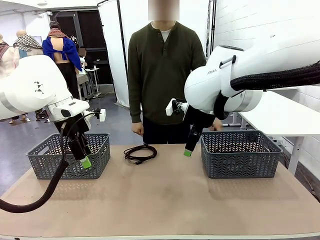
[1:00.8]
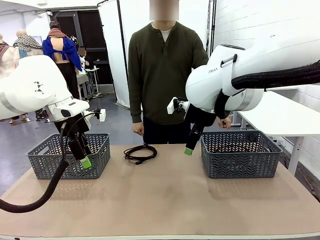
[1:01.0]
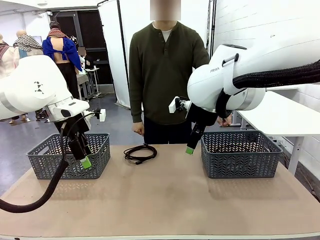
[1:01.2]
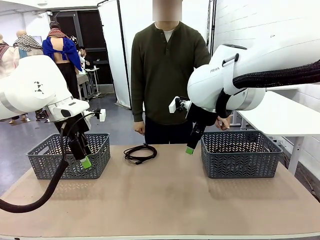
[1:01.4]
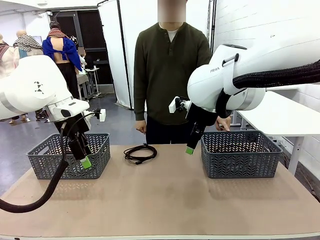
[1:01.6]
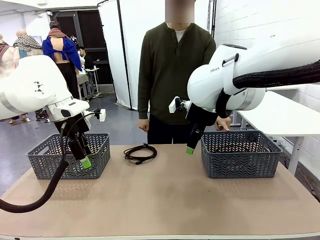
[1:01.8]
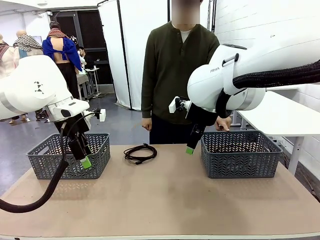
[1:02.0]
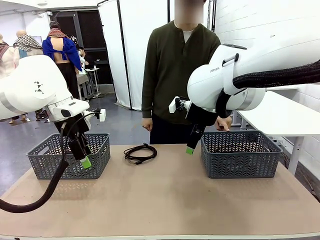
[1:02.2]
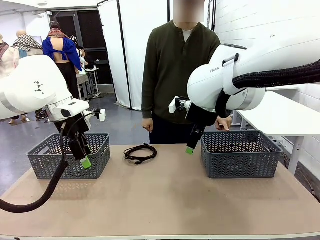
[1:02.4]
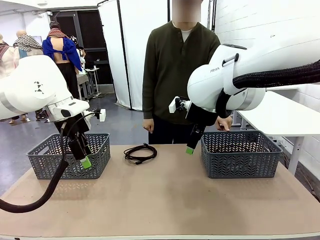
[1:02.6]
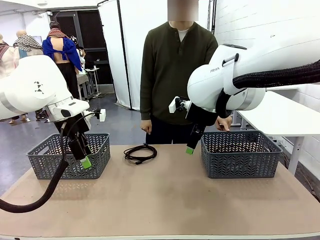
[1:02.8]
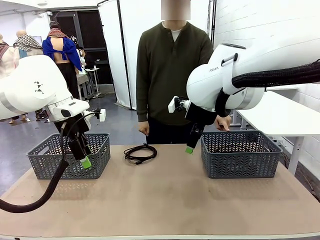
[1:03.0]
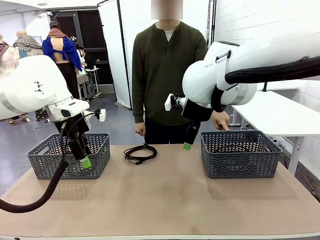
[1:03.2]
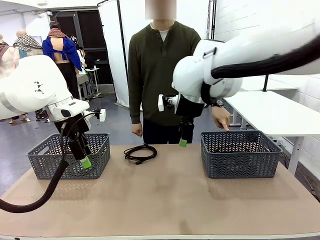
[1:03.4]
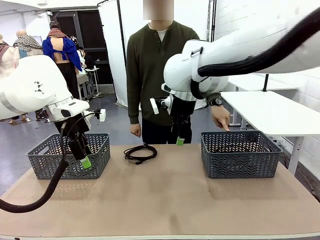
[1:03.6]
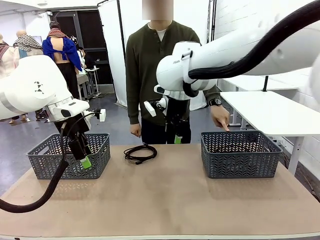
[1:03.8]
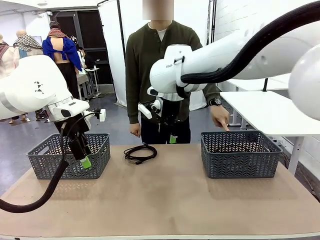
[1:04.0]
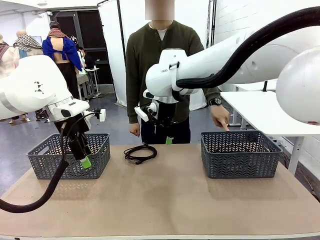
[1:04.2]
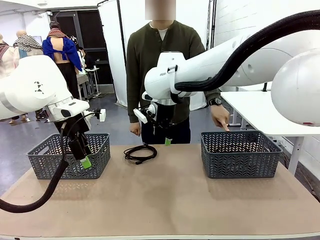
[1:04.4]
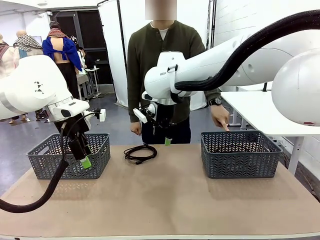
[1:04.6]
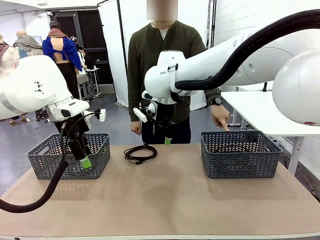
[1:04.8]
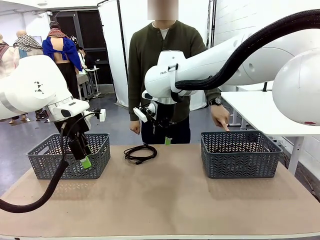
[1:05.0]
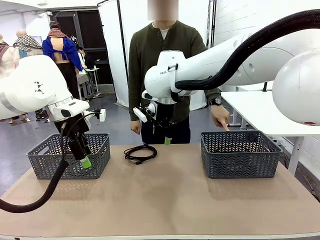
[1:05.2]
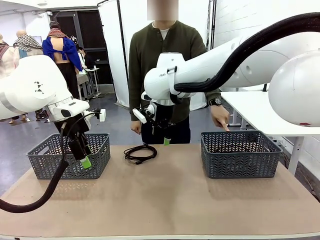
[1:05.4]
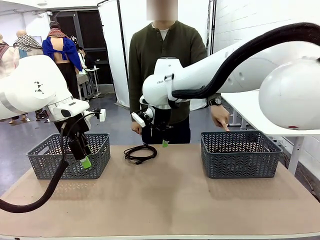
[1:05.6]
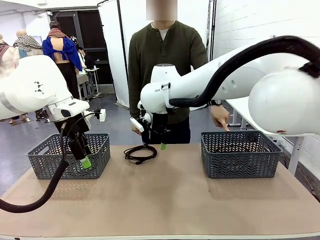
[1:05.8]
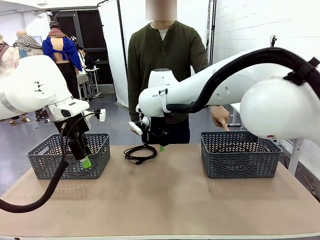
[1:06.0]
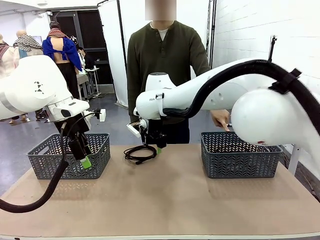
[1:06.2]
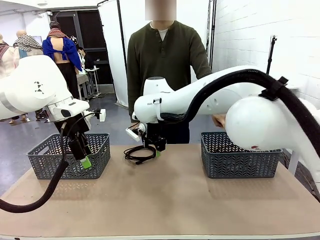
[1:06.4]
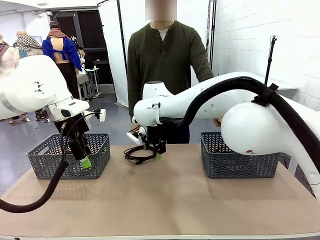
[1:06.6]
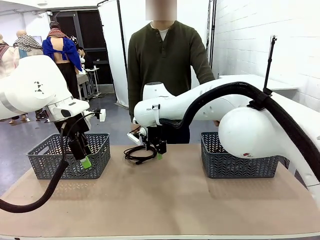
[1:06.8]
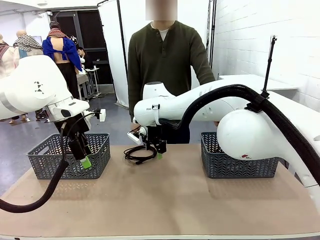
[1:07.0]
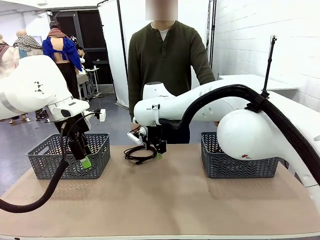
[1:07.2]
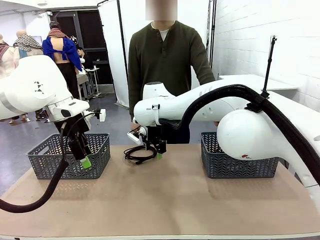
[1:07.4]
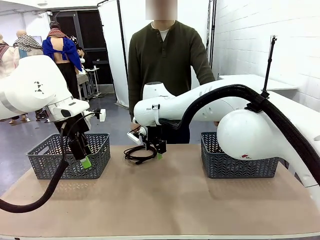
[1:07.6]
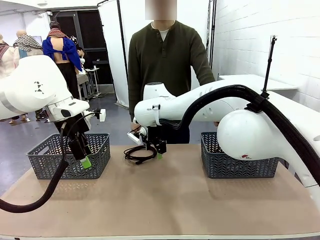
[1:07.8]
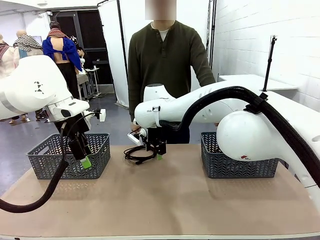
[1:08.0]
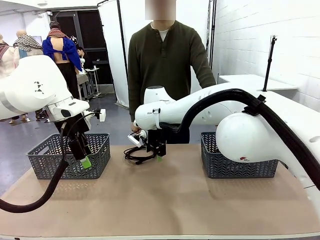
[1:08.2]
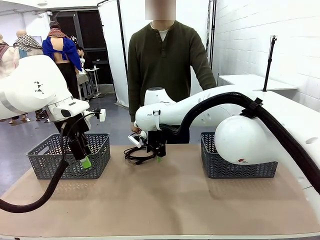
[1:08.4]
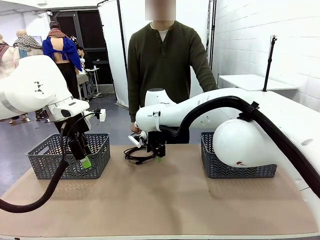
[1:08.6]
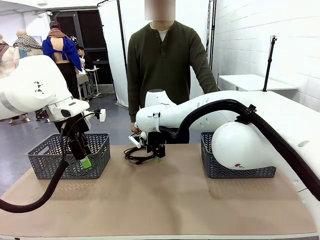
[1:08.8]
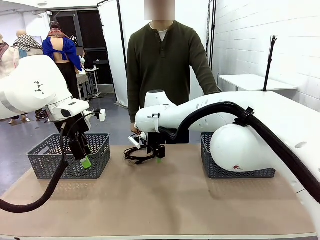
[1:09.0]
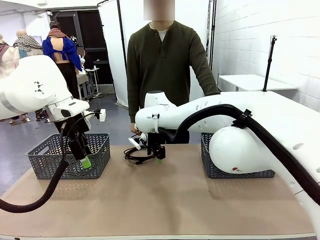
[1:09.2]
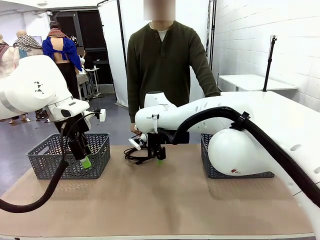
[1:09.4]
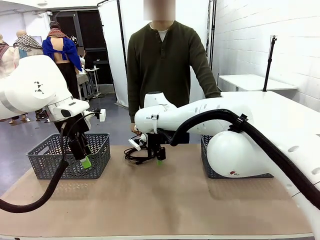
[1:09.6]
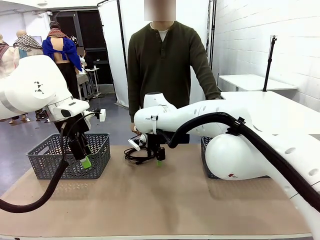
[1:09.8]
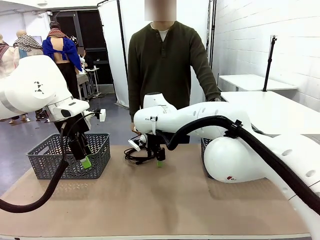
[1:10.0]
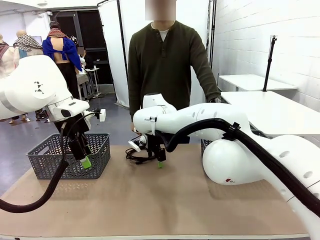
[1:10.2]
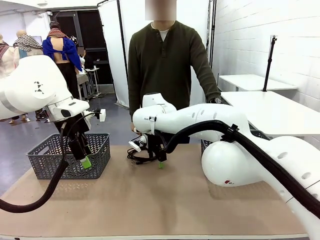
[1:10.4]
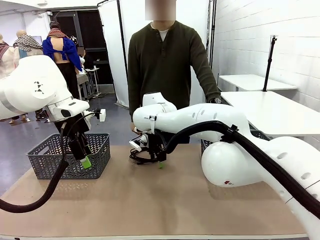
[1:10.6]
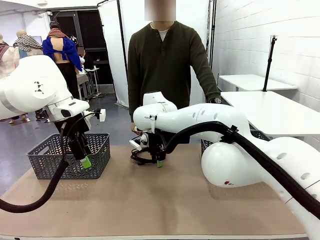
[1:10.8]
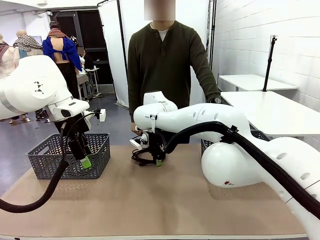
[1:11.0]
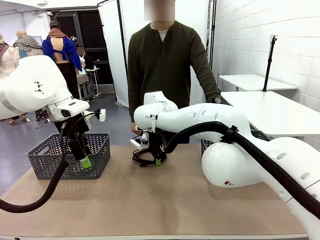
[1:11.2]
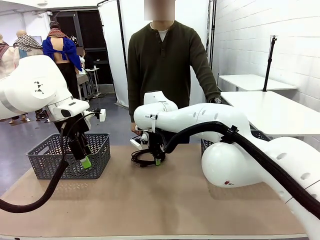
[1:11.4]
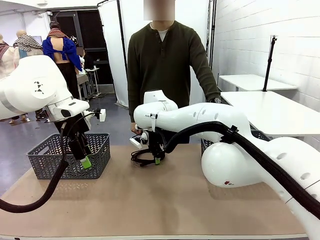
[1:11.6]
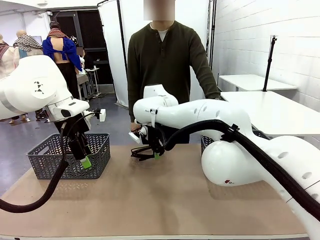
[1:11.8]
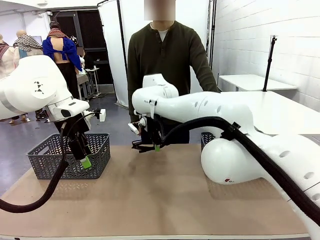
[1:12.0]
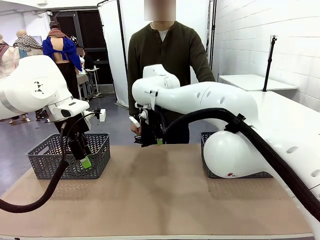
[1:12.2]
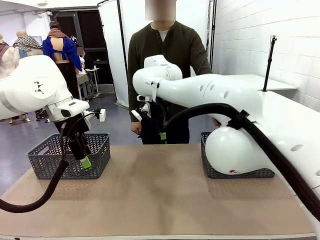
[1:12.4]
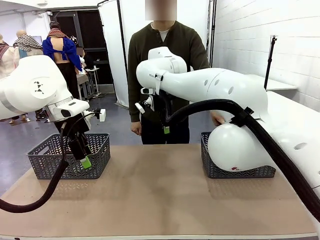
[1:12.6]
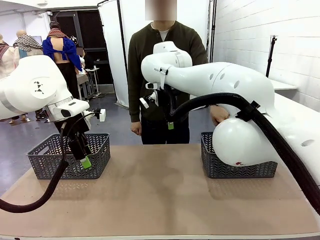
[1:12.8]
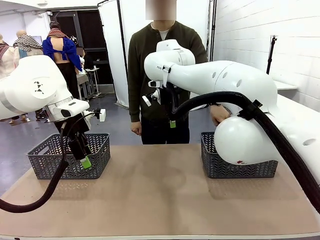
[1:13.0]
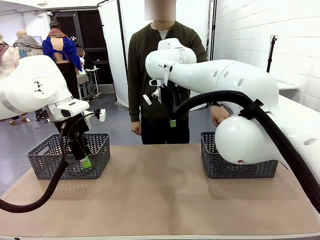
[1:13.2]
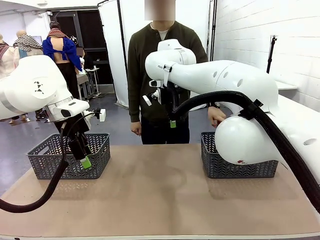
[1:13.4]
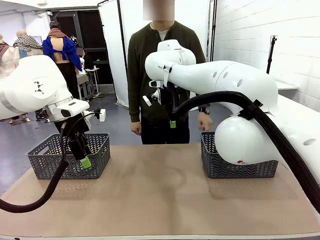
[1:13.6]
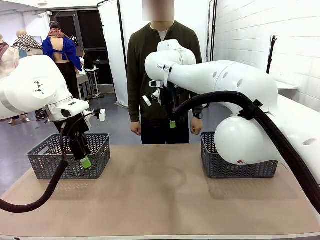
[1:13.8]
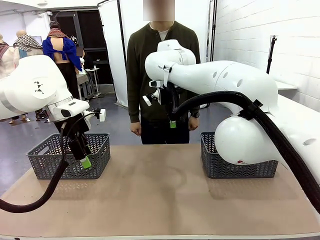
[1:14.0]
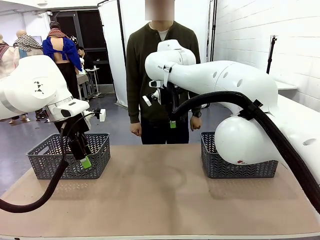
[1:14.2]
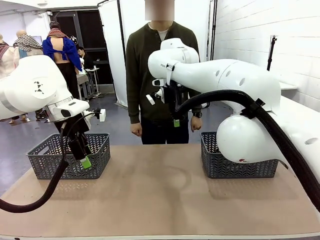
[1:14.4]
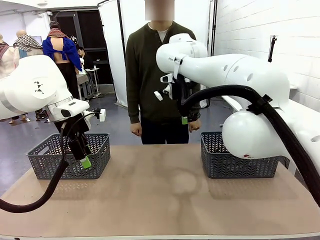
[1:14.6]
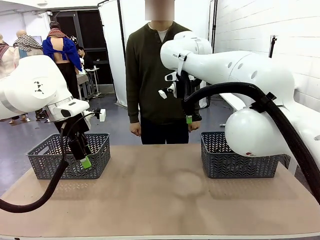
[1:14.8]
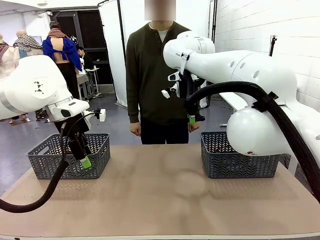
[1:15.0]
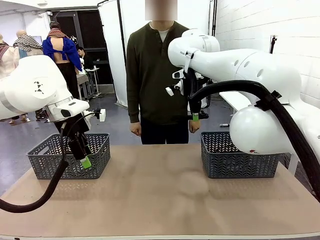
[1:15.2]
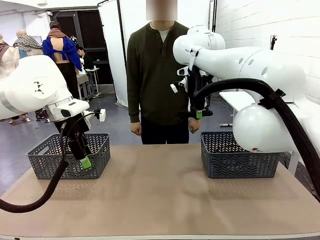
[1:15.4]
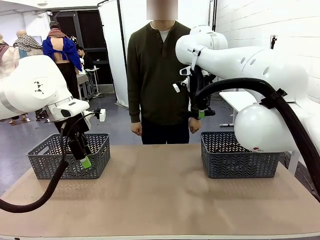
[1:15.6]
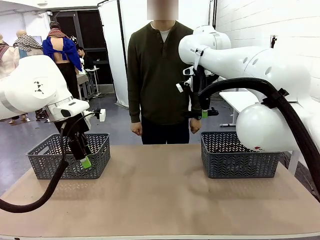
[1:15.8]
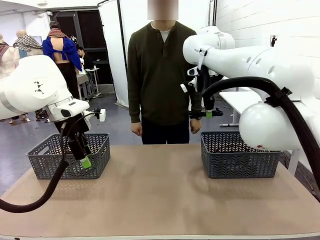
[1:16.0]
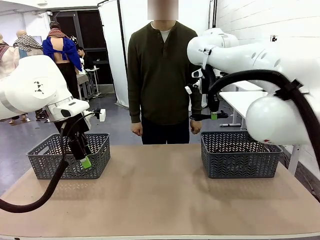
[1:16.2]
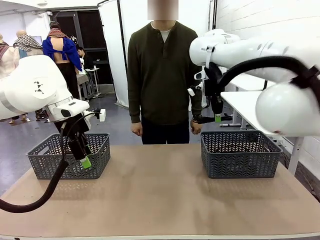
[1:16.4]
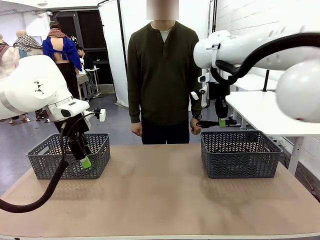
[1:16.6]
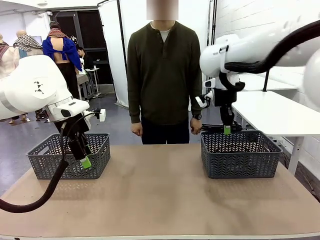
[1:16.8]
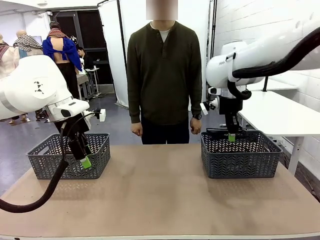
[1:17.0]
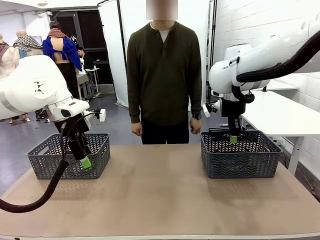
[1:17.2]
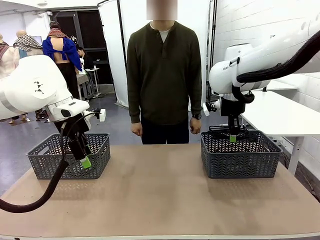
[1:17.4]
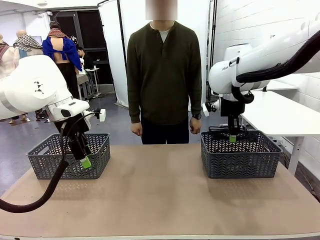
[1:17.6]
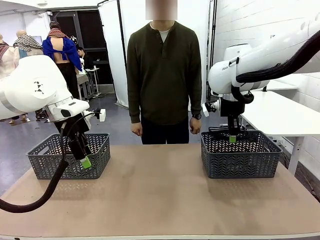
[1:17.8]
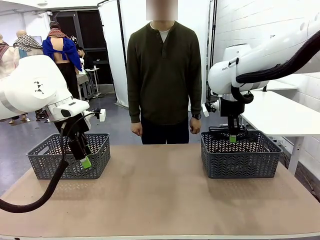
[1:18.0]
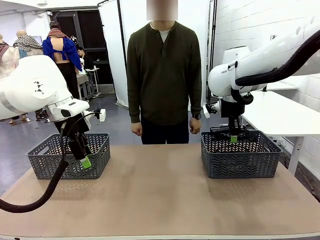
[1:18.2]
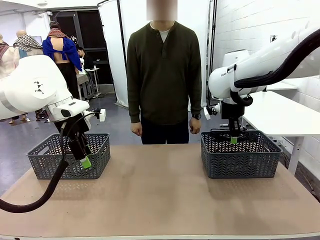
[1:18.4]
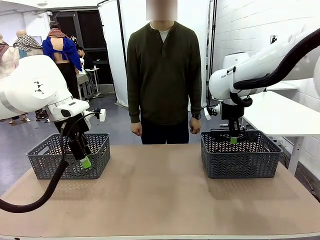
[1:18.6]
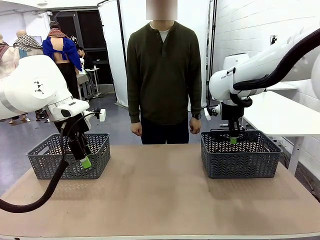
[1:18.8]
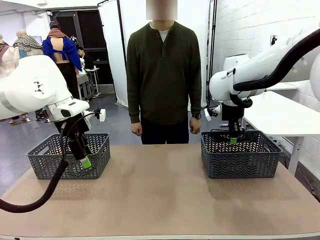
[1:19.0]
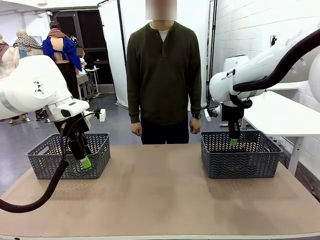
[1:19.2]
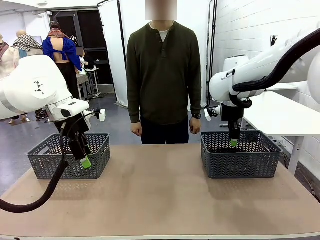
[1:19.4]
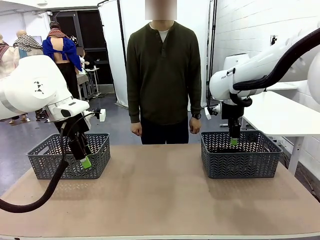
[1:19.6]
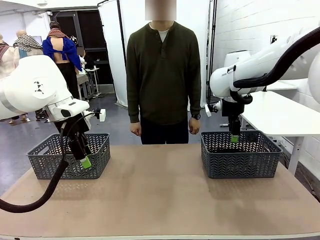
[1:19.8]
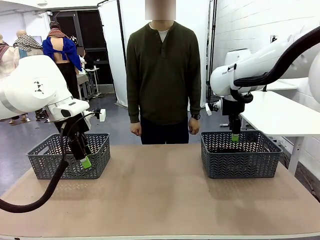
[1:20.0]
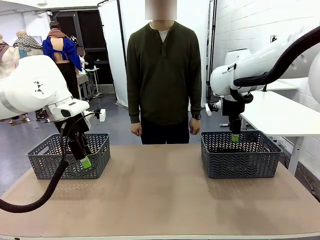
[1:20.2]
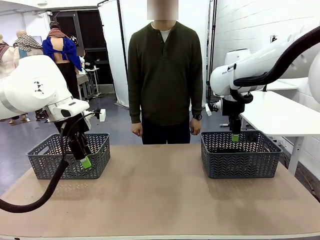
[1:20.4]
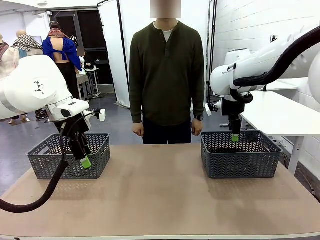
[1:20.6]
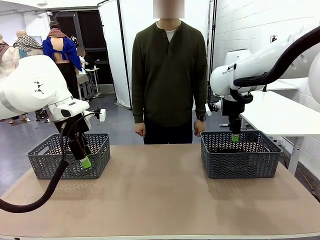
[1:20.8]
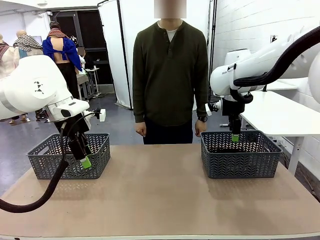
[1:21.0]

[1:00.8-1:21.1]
Task: Organize the cables according to human instructions.
Robot: Pick up a bundle of cables and place it in the basket indicated by the human.
